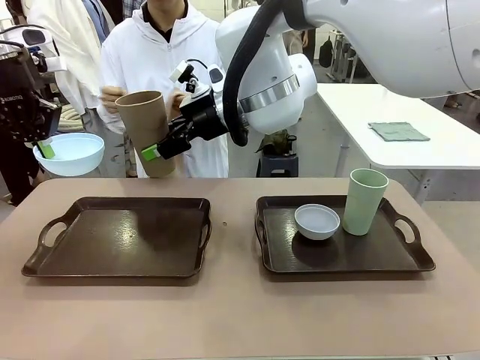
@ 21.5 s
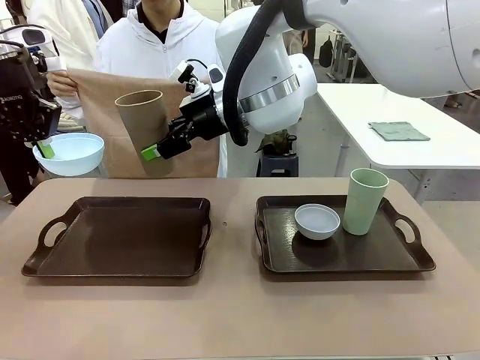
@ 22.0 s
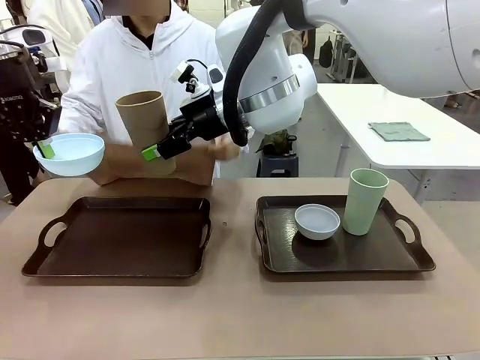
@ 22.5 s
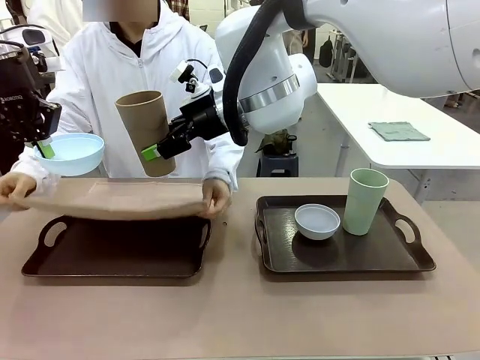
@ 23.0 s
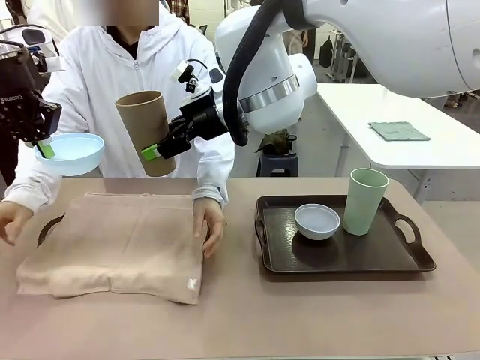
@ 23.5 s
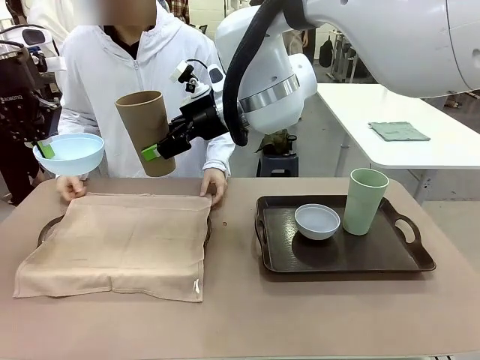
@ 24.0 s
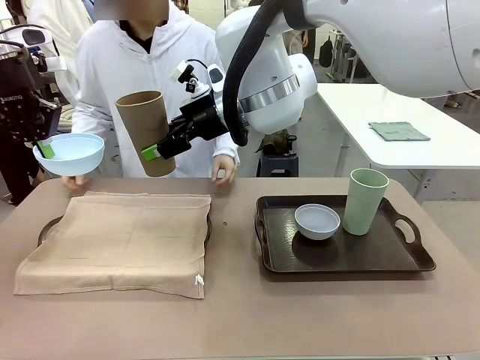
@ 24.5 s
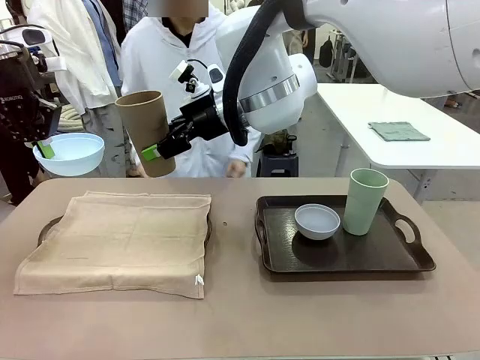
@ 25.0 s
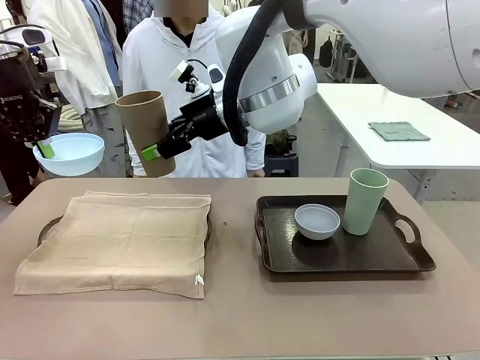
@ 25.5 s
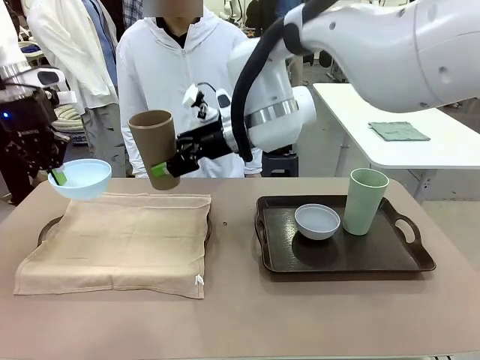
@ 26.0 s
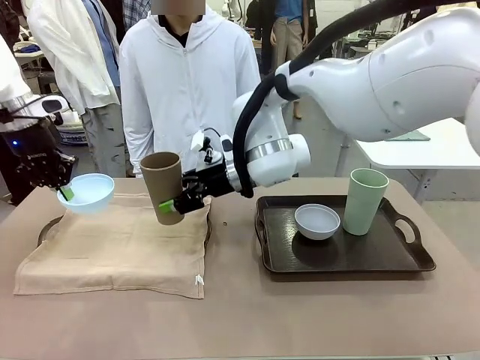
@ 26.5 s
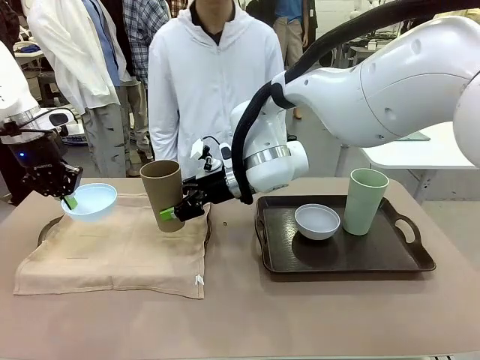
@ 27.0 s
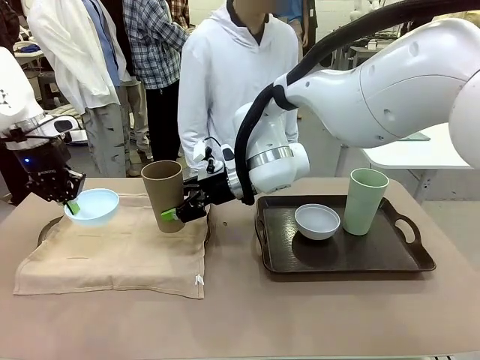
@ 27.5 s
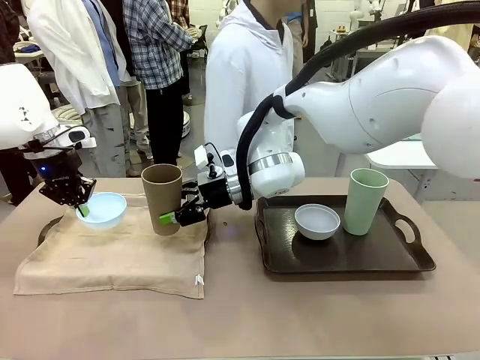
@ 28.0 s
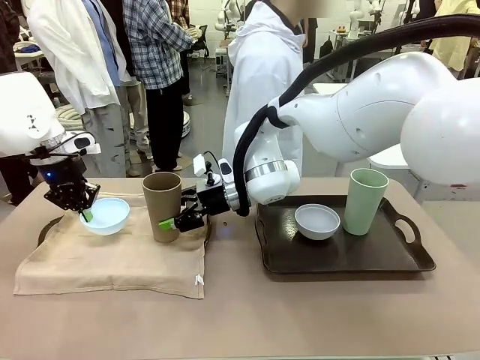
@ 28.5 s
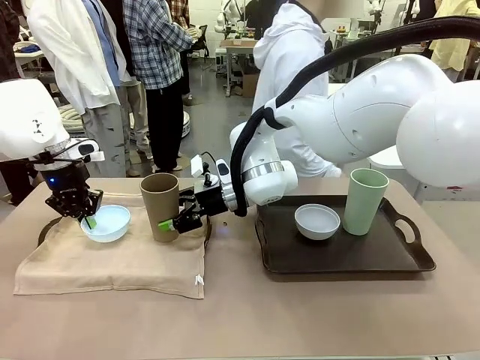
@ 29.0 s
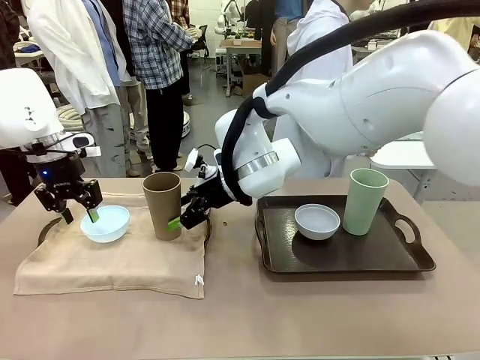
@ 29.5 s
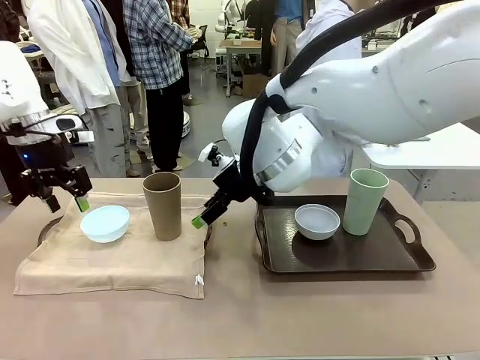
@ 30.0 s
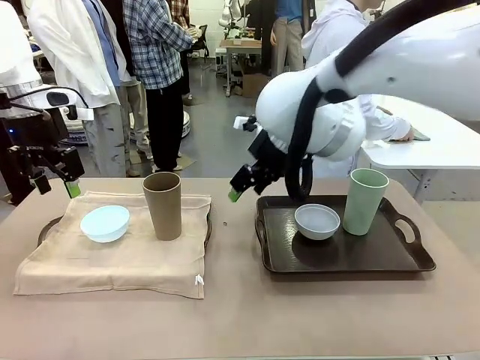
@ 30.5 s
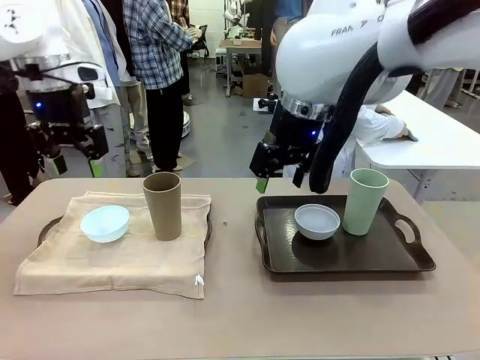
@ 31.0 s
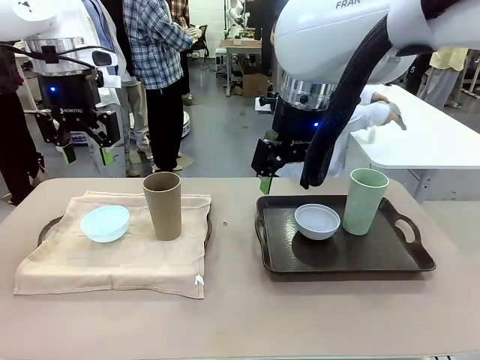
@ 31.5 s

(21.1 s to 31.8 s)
Robot: Place the Picnic Bowl and Reusable plastic cup back onto the Handle tray in front of the human's position.
Person: The human returns to the human table to pick up another napkin and walks to the robot table to stand in front of the tray without a napkin.

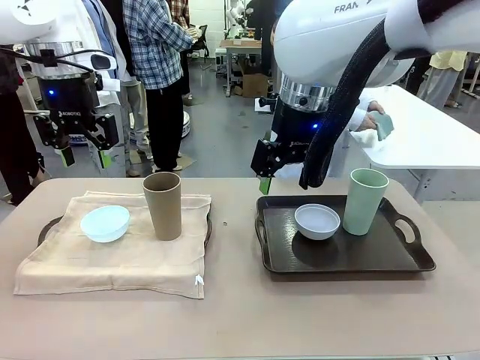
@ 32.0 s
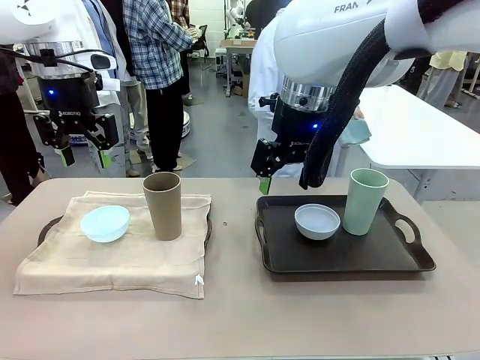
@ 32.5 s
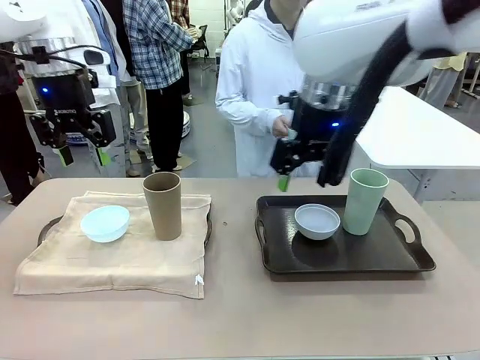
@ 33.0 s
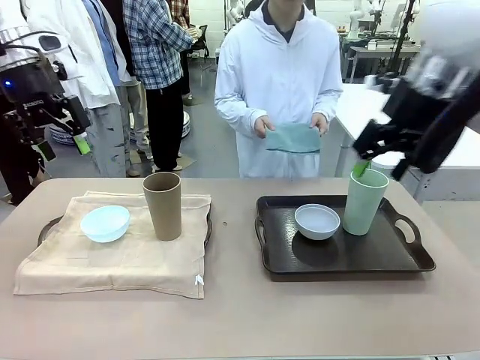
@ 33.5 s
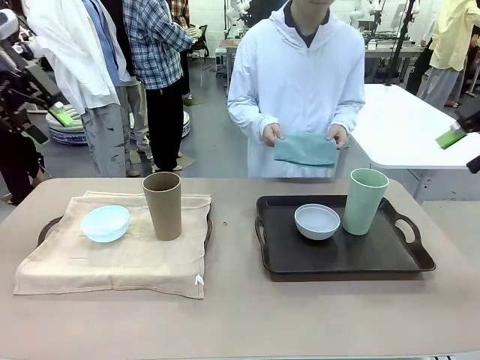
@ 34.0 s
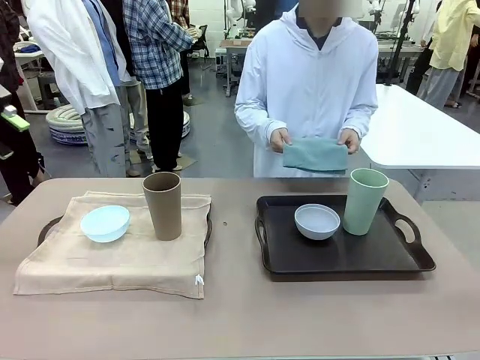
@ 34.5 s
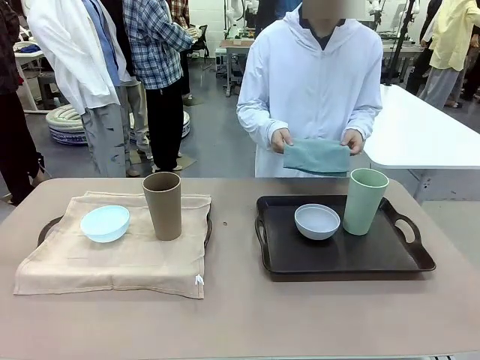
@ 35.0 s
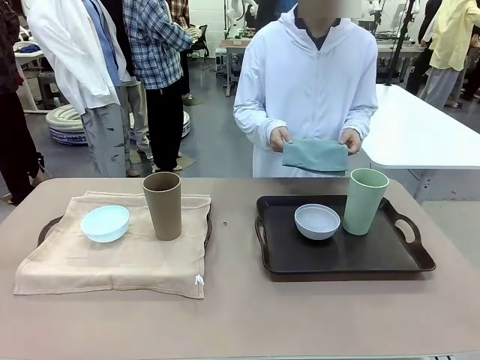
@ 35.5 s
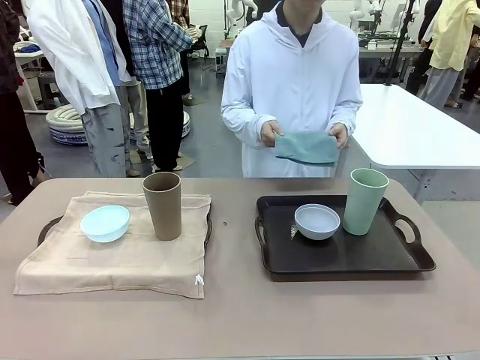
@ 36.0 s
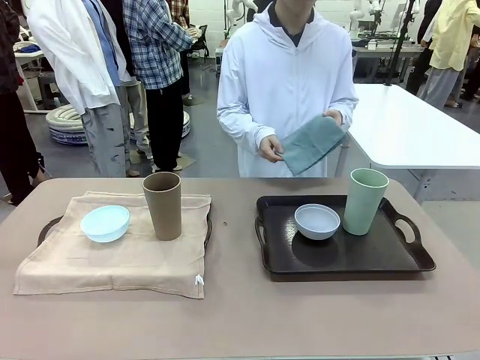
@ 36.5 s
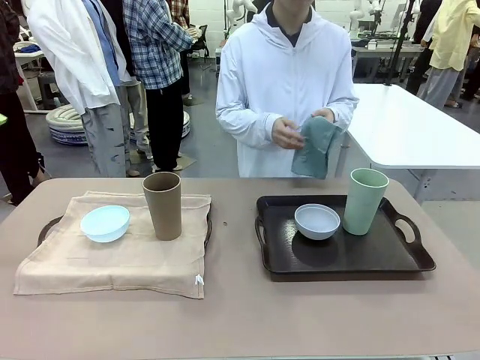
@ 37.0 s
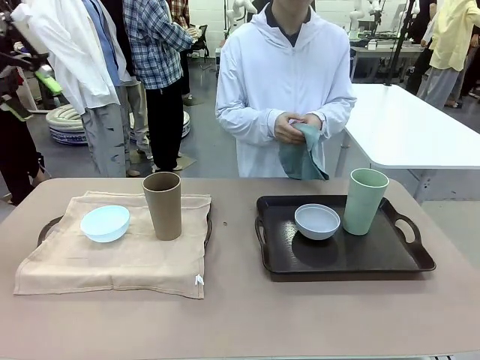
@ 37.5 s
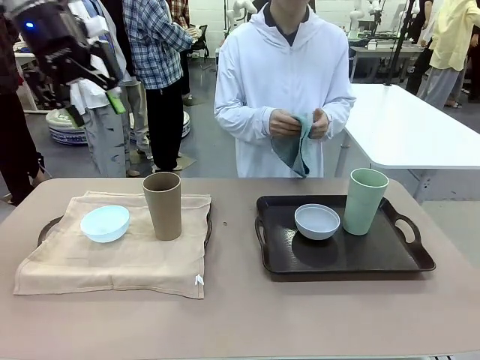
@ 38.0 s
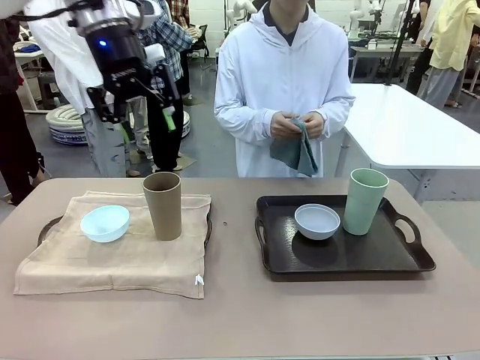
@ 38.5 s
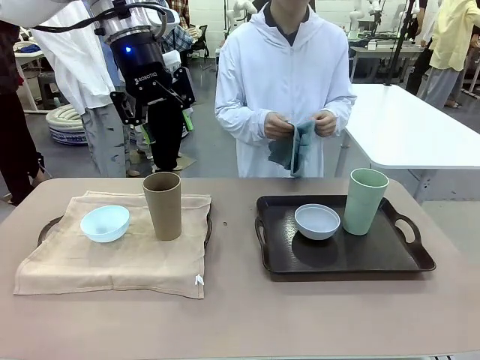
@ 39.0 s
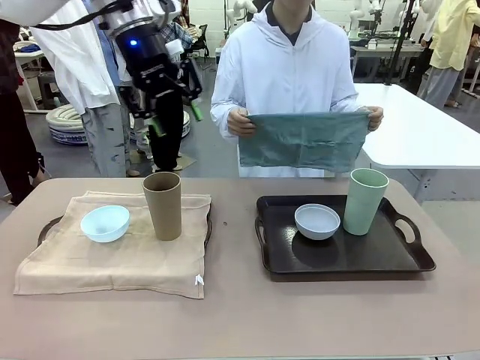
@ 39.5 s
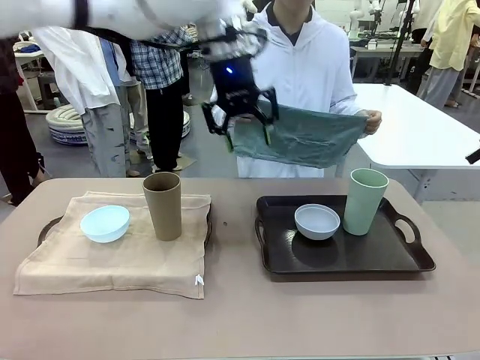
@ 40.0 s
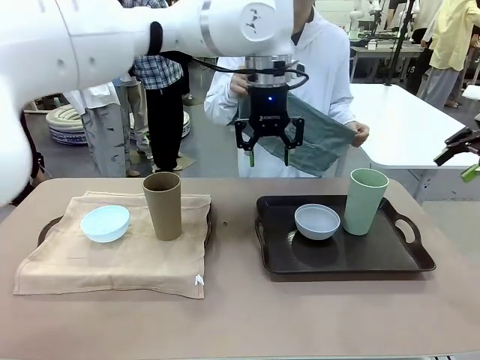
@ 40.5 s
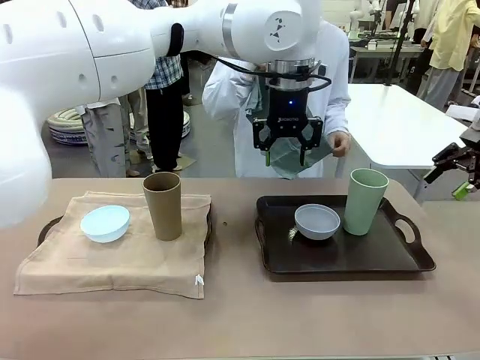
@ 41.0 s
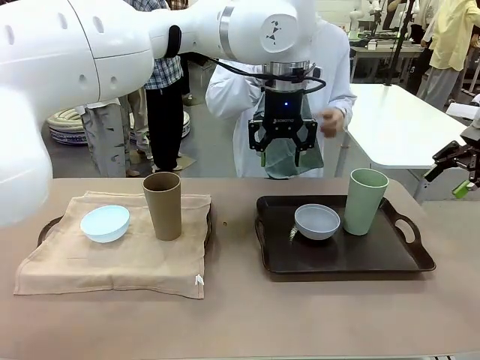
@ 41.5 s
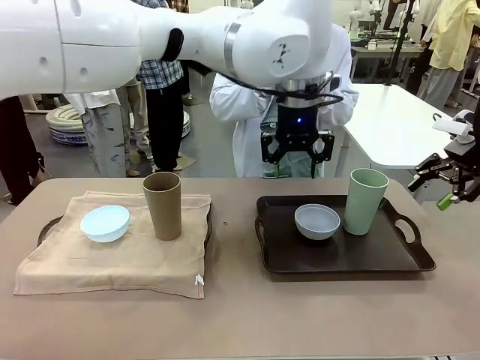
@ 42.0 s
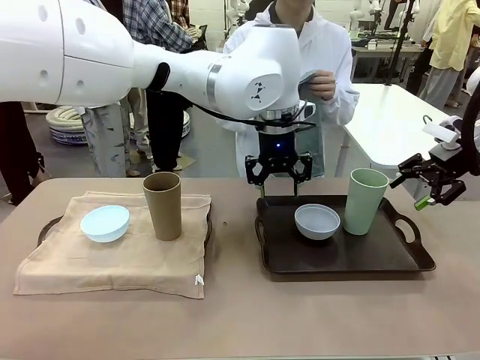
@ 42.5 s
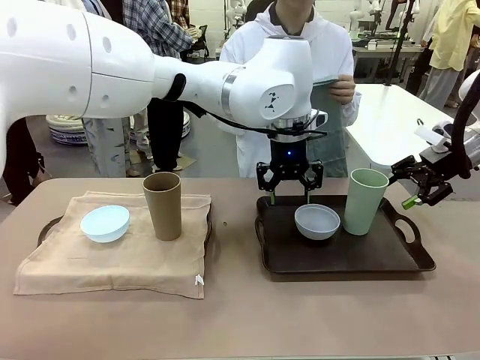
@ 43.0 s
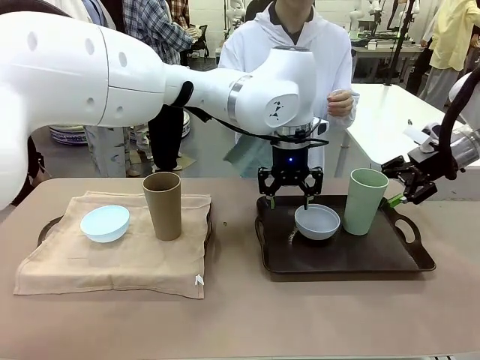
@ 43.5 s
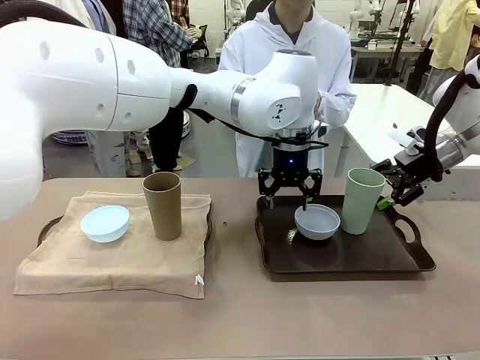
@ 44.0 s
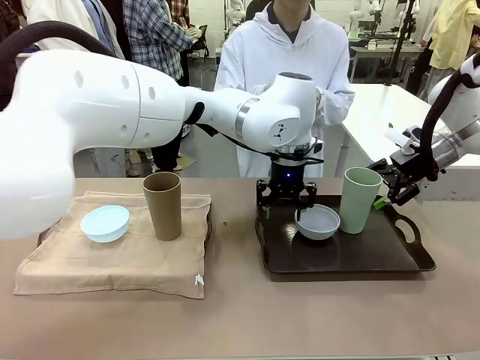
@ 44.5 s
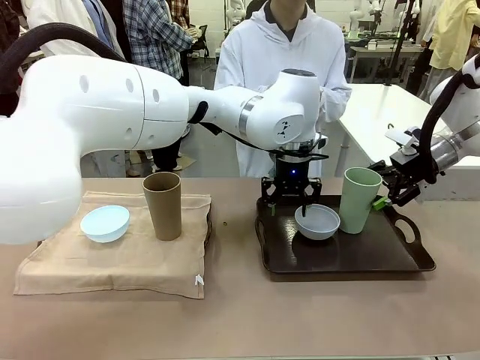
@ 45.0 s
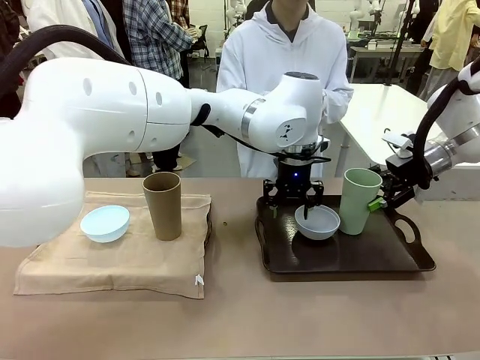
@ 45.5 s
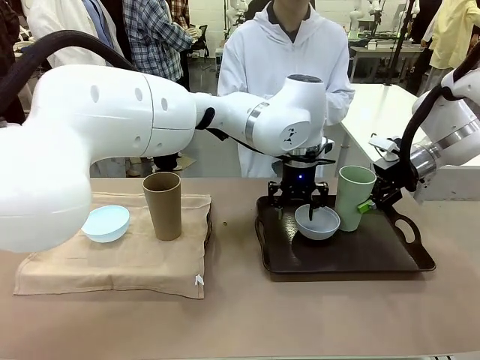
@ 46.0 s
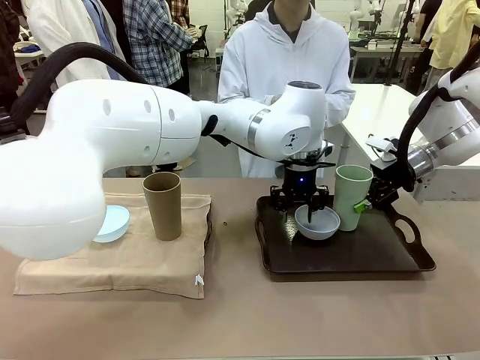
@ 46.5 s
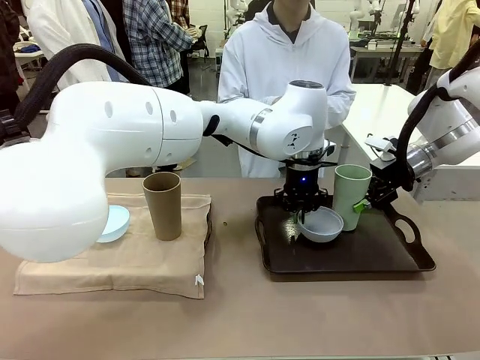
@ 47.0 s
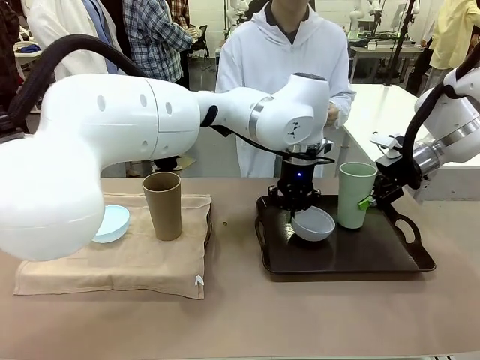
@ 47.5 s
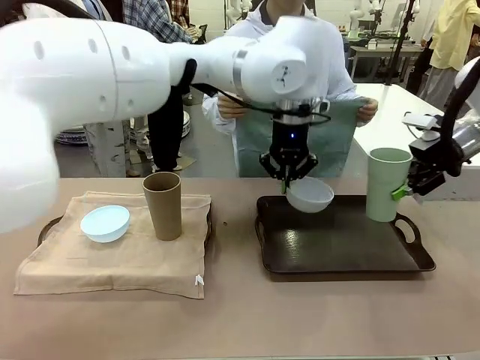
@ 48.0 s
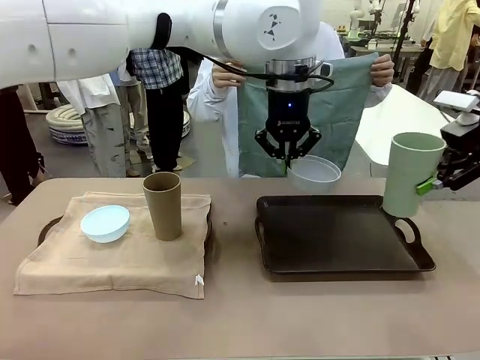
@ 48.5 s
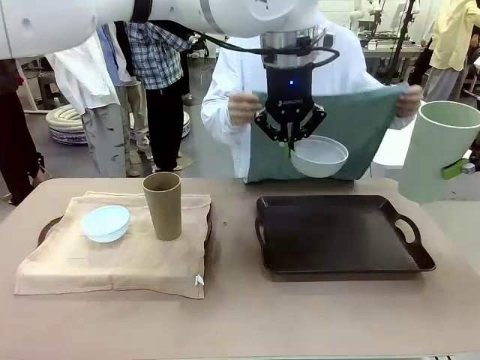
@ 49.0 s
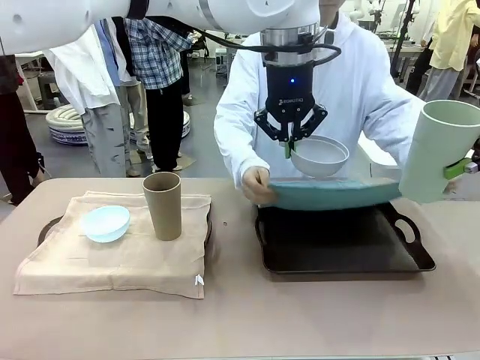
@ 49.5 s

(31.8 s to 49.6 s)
Robot: Pick up the Picnic Bowl and Reusable plastic cup from the Handle tray in front of the human's position and hold them in the air.
